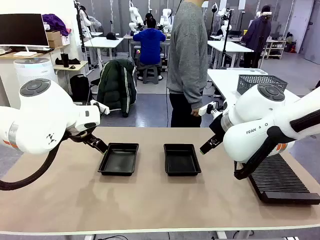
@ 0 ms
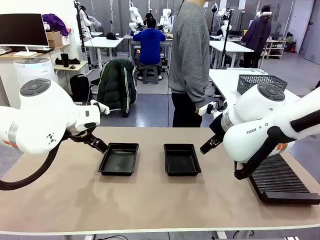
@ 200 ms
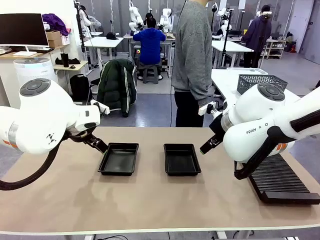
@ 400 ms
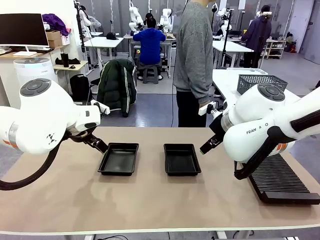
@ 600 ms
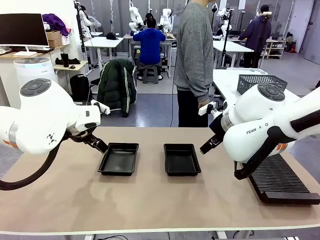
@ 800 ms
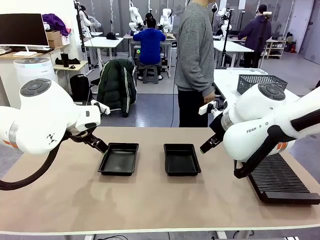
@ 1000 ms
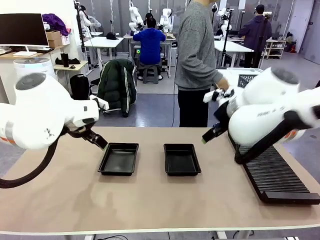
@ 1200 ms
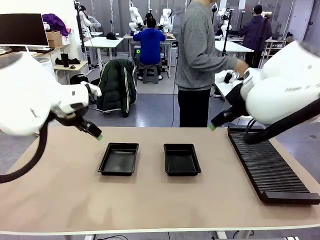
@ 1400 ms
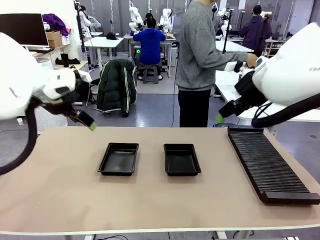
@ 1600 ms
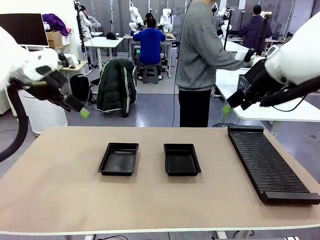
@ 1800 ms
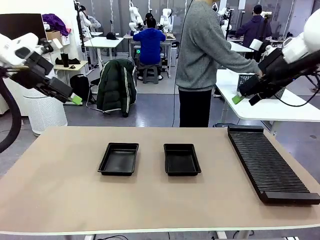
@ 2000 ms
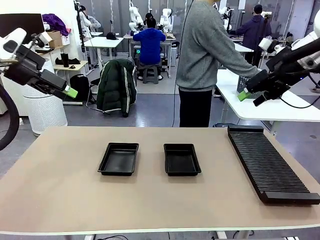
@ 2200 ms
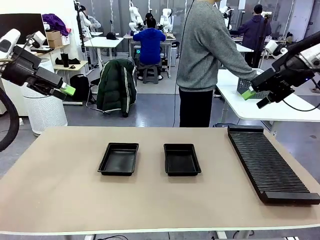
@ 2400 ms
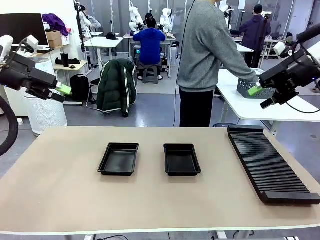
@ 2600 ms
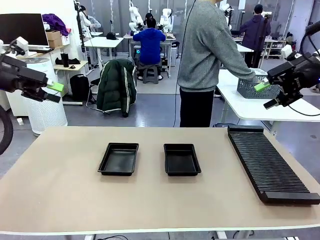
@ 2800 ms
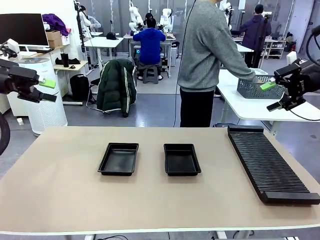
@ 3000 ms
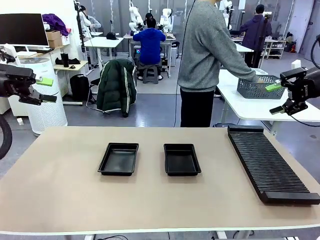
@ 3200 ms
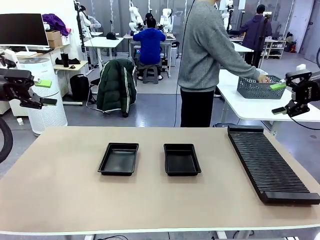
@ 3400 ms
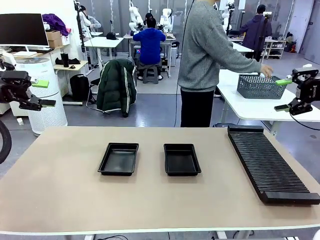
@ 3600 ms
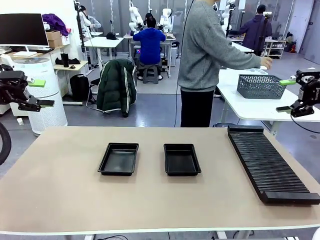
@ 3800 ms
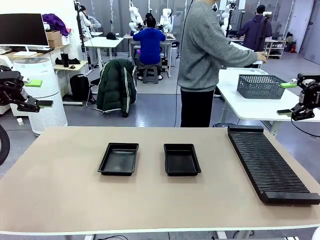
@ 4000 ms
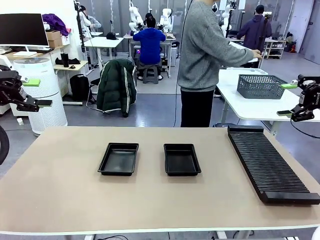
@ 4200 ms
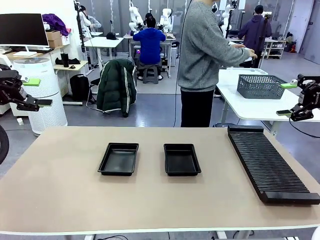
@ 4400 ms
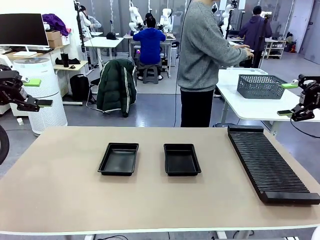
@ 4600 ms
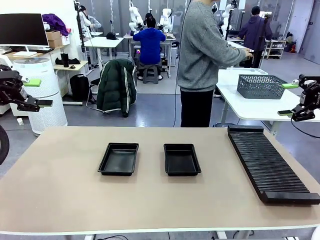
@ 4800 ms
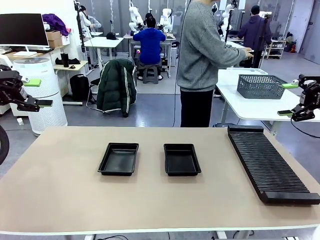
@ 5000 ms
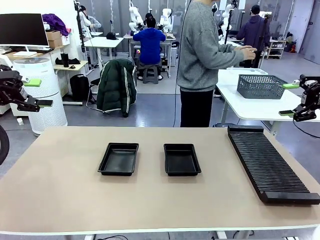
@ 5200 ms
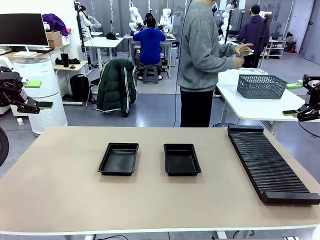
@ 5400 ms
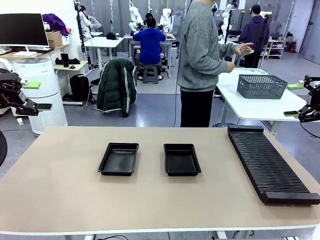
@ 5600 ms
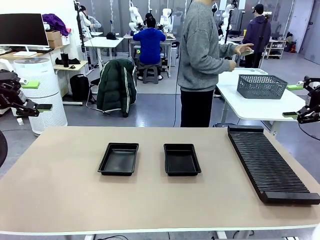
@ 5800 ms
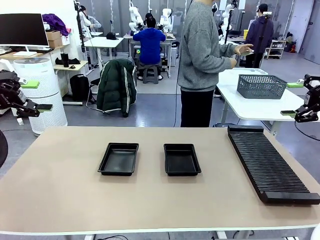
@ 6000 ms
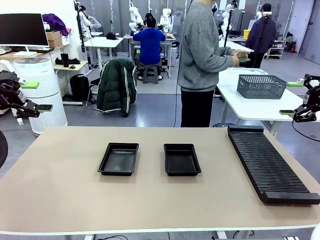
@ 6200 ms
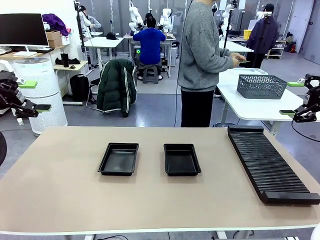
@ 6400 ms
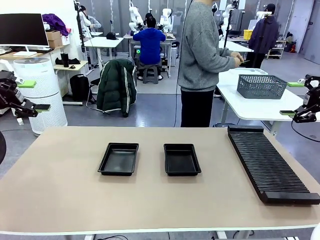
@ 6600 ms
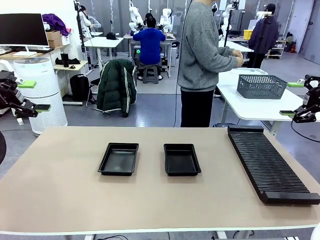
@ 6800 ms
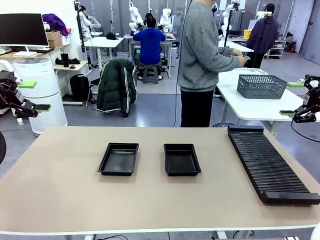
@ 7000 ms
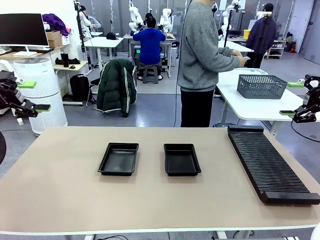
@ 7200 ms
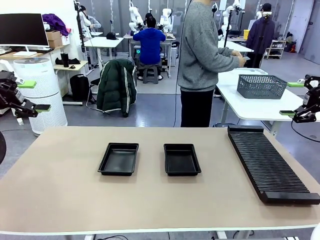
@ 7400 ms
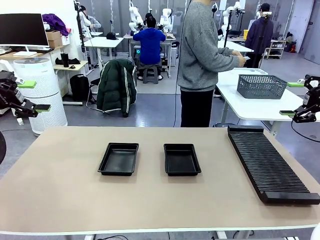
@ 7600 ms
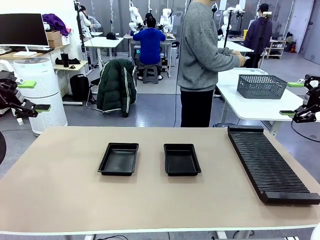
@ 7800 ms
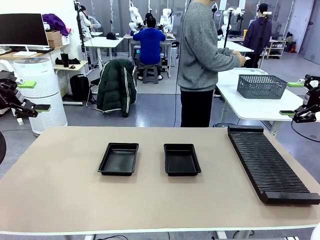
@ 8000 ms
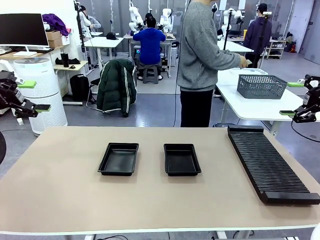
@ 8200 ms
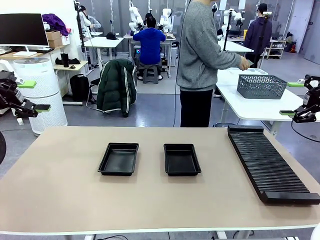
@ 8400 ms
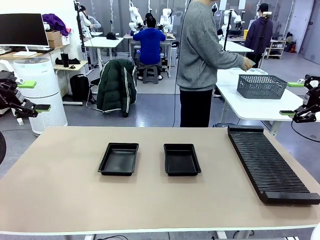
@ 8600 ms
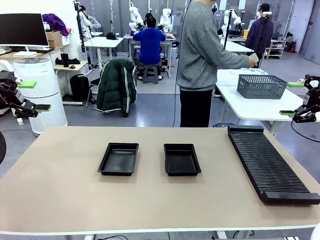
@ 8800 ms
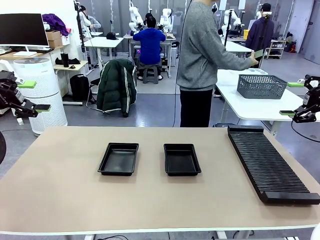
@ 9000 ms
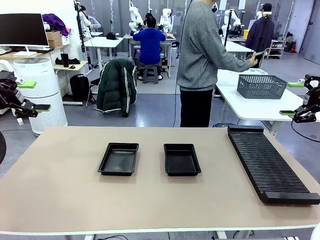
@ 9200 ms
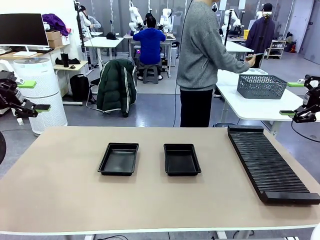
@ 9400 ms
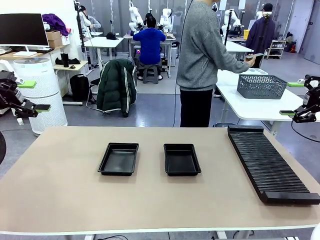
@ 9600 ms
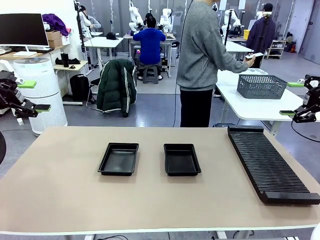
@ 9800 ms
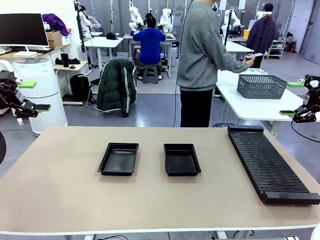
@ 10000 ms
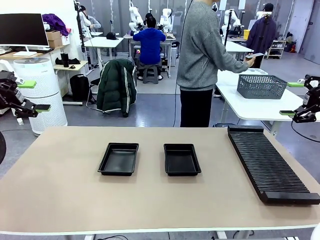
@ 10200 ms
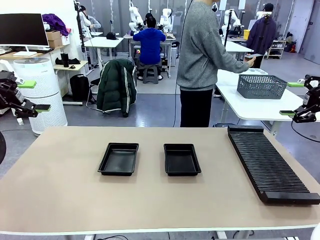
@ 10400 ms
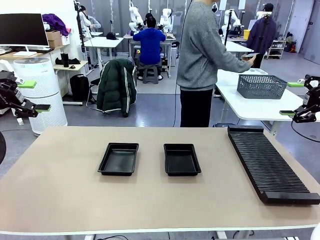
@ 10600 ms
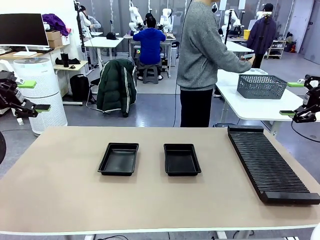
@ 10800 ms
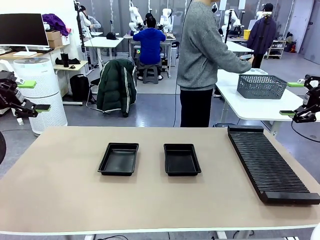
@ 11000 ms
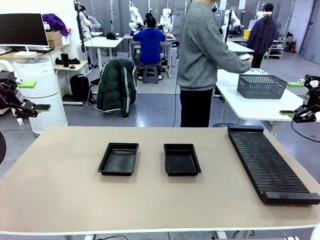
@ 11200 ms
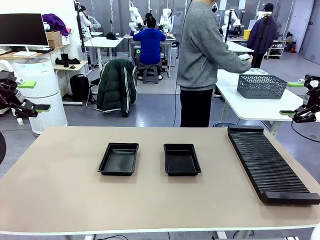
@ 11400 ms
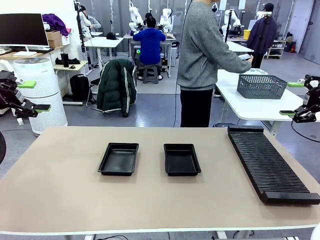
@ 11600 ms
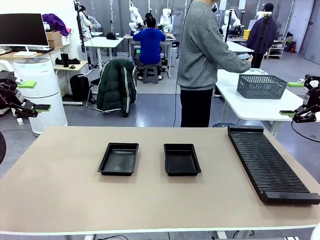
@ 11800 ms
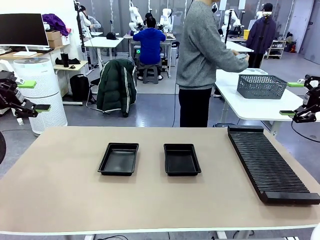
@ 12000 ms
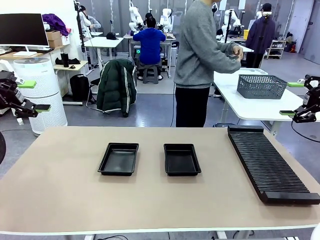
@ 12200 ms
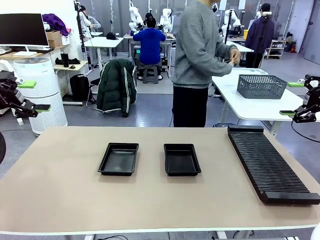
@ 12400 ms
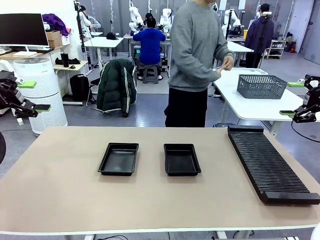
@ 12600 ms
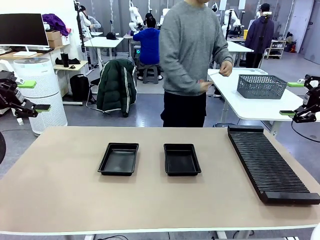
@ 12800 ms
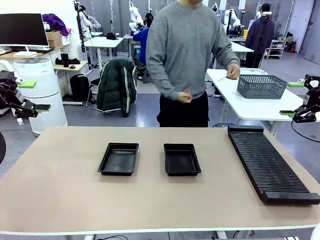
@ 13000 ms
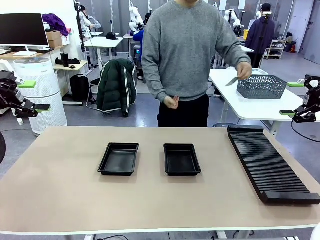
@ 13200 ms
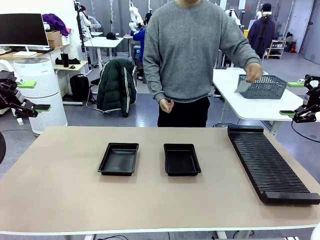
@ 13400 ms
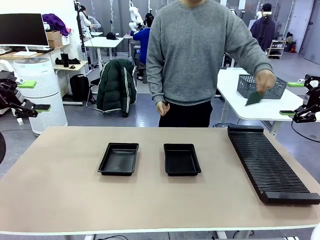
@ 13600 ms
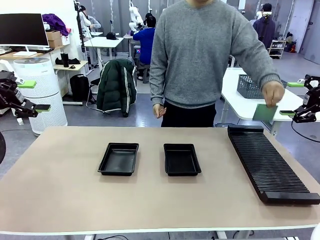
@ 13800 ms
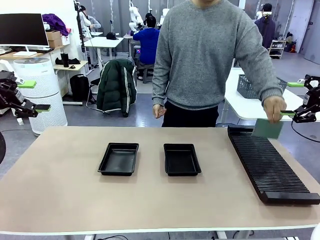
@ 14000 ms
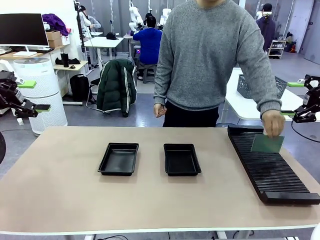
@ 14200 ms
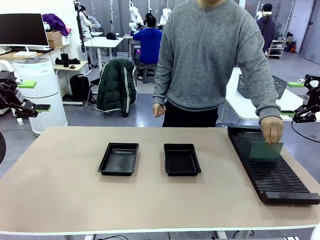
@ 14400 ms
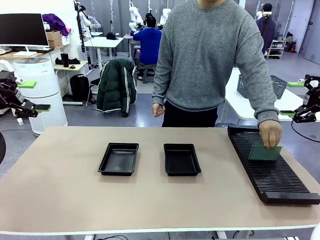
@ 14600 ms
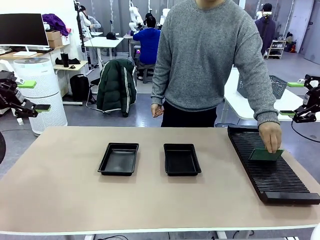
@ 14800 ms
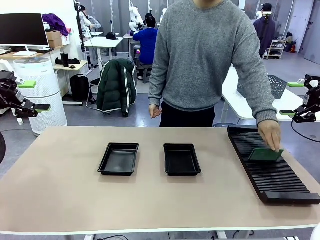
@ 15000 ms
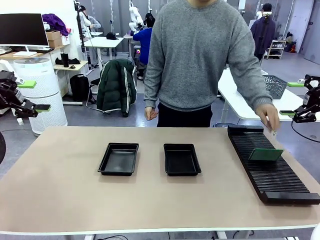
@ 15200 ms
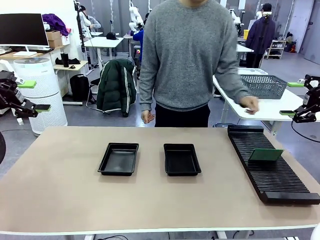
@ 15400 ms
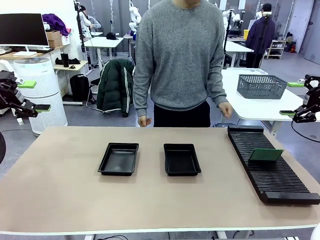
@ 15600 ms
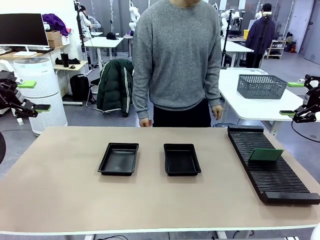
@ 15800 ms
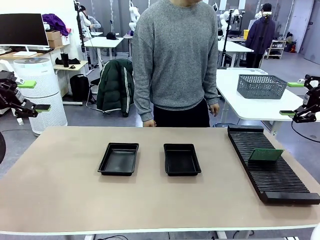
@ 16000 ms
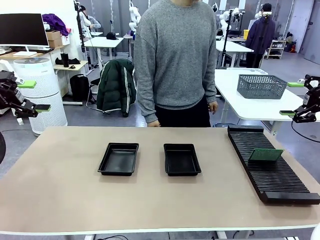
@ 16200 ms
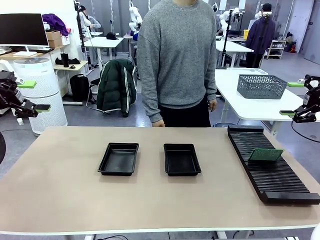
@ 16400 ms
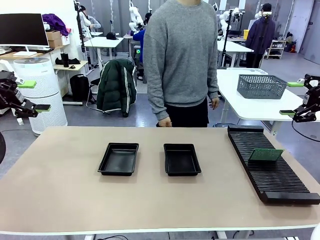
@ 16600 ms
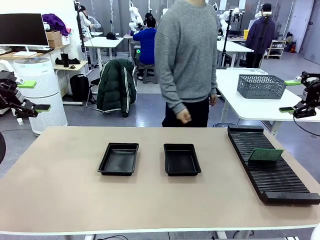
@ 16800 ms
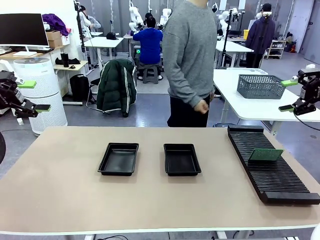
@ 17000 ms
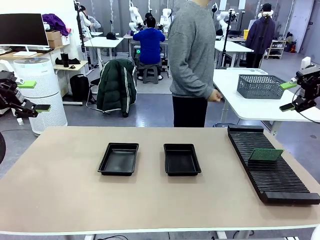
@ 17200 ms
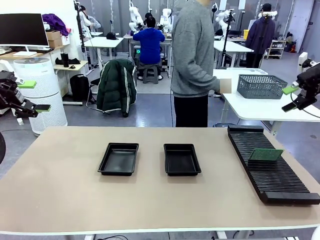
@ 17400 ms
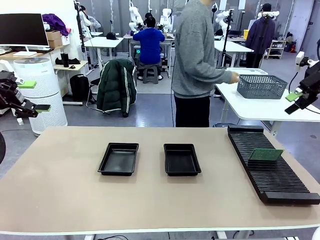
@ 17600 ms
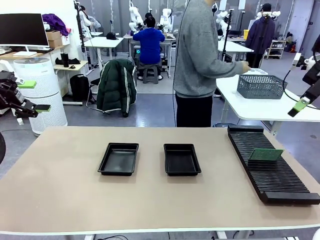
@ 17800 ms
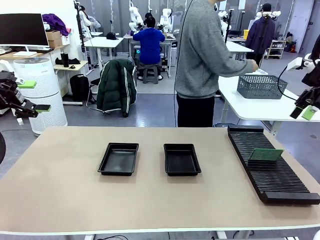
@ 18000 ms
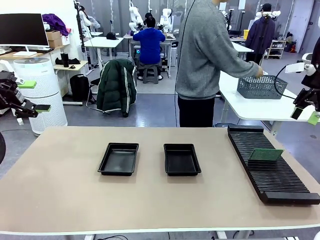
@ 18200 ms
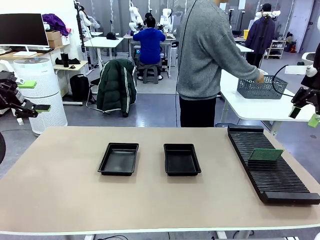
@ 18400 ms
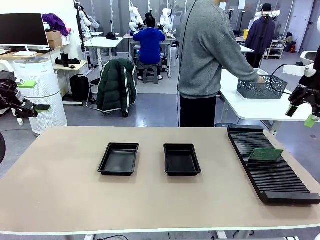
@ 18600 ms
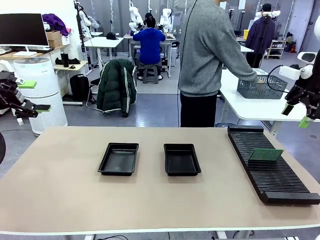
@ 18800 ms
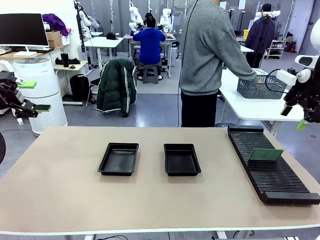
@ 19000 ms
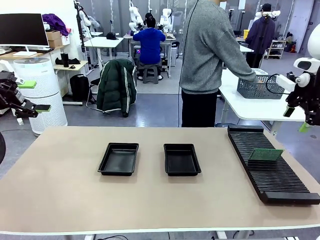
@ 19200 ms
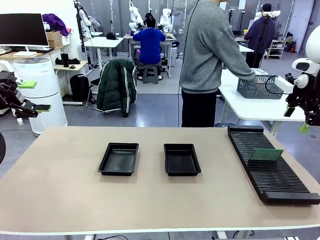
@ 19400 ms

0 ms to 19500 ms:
Task: Inspect and transfer BCBs to ESD trays.
Robot: Pick up the Blank PCB from the PCB Rack and place it in the left ESD tray.
